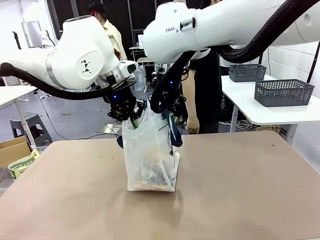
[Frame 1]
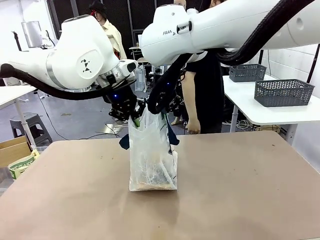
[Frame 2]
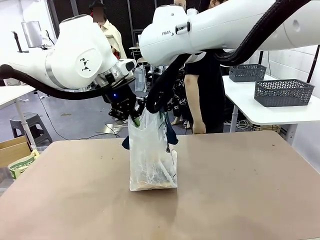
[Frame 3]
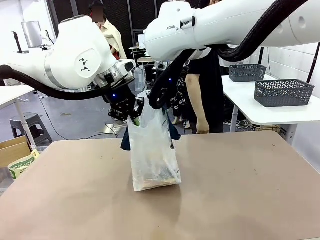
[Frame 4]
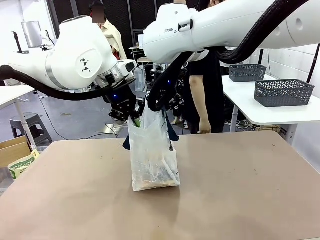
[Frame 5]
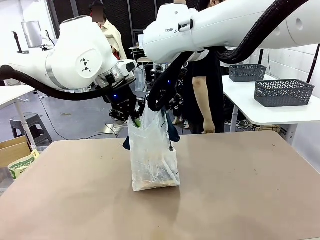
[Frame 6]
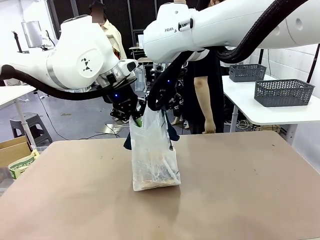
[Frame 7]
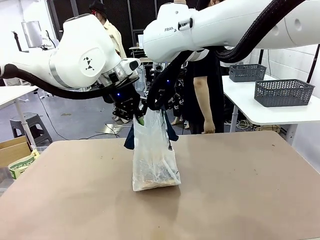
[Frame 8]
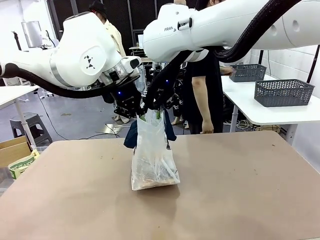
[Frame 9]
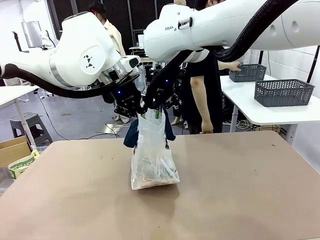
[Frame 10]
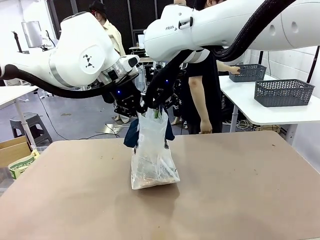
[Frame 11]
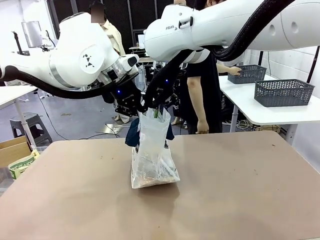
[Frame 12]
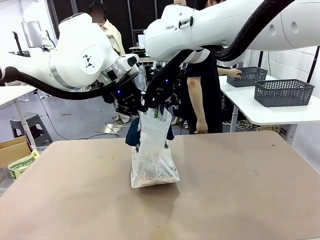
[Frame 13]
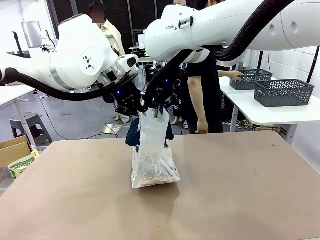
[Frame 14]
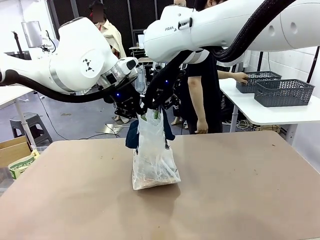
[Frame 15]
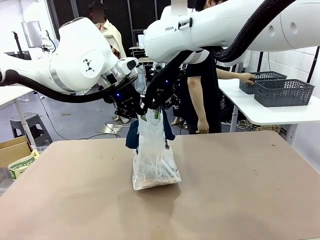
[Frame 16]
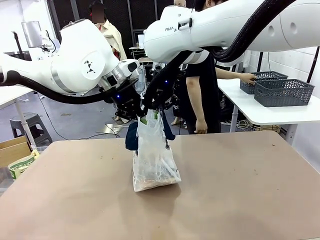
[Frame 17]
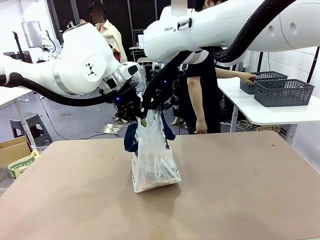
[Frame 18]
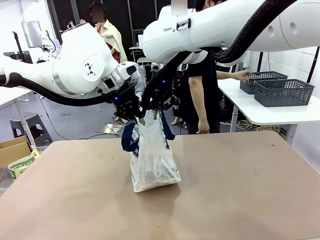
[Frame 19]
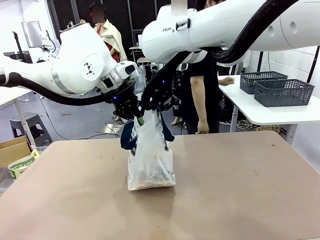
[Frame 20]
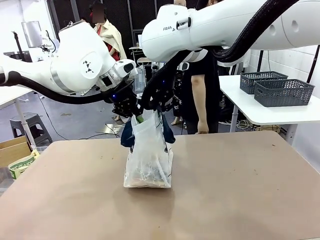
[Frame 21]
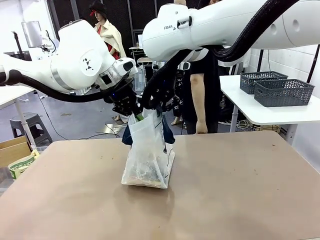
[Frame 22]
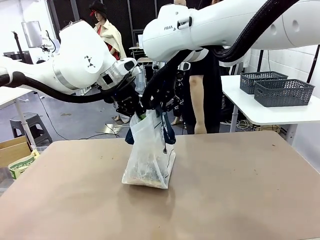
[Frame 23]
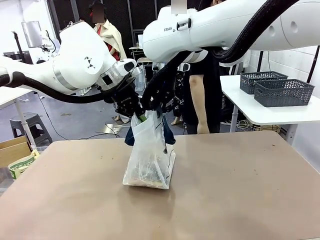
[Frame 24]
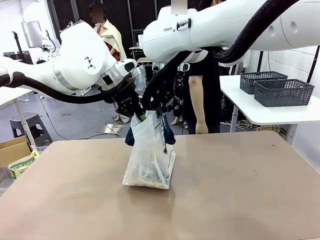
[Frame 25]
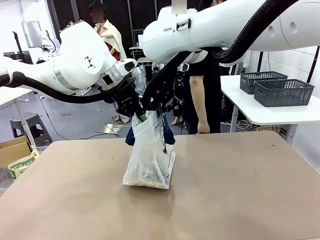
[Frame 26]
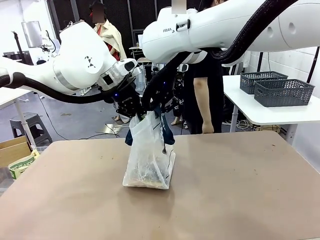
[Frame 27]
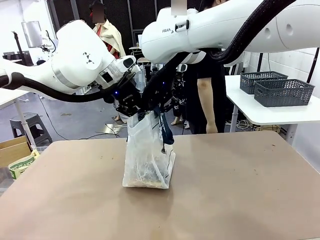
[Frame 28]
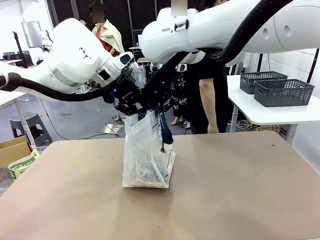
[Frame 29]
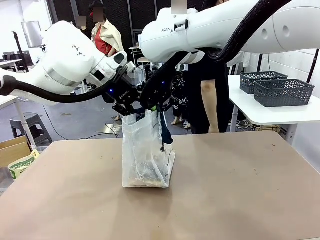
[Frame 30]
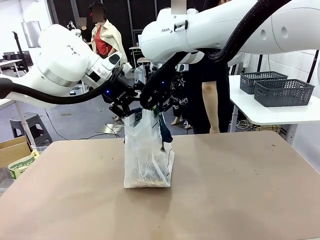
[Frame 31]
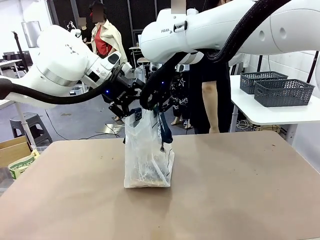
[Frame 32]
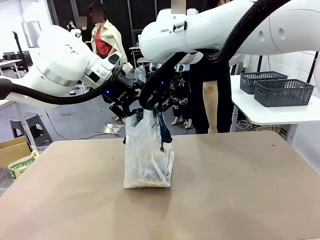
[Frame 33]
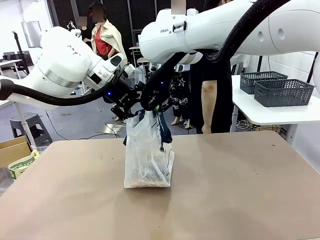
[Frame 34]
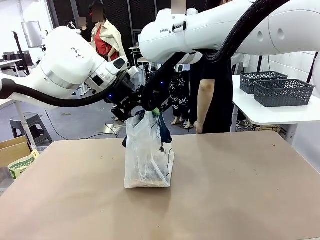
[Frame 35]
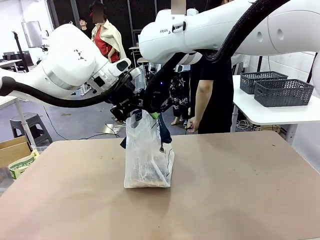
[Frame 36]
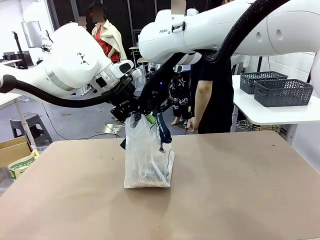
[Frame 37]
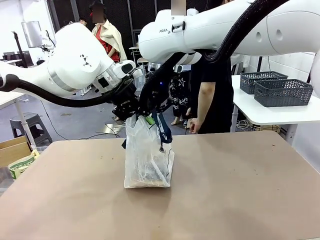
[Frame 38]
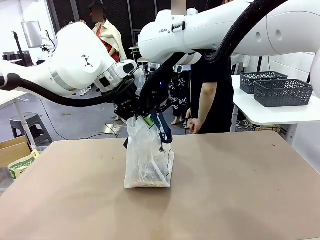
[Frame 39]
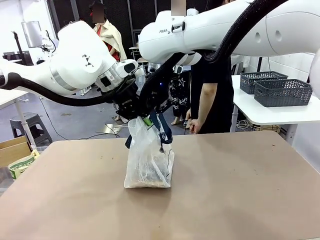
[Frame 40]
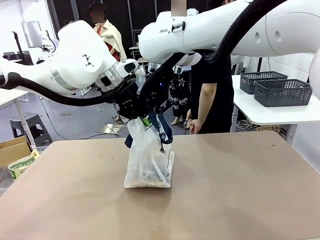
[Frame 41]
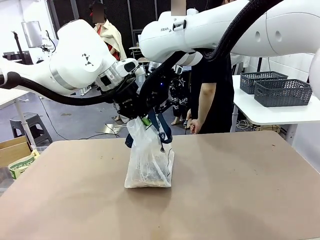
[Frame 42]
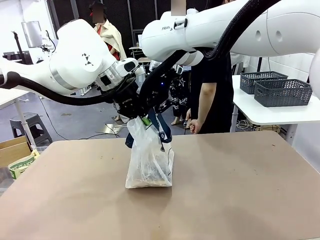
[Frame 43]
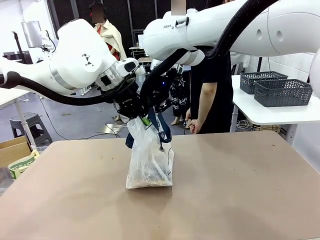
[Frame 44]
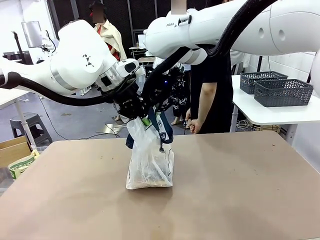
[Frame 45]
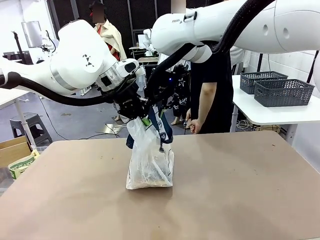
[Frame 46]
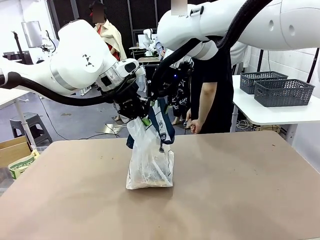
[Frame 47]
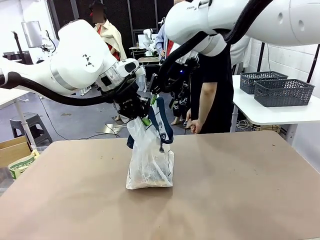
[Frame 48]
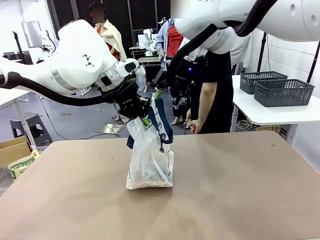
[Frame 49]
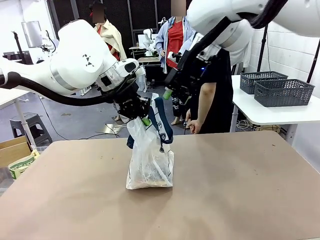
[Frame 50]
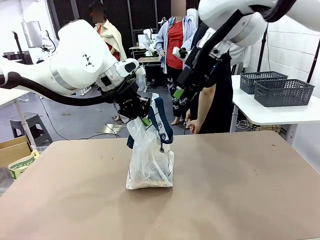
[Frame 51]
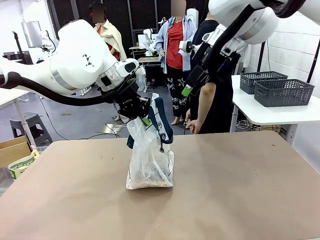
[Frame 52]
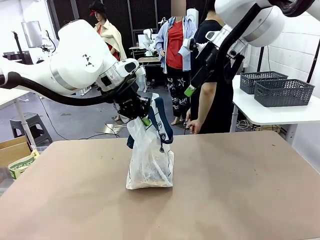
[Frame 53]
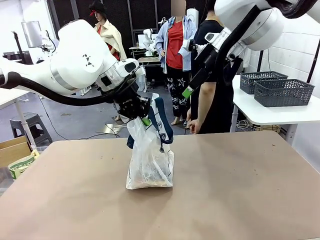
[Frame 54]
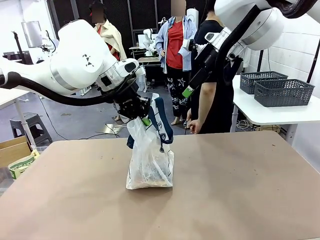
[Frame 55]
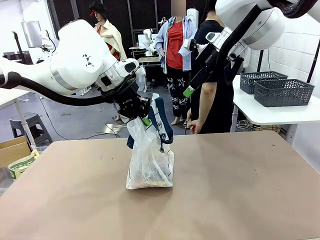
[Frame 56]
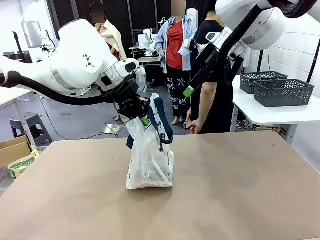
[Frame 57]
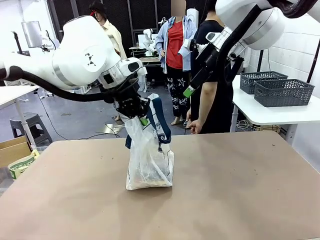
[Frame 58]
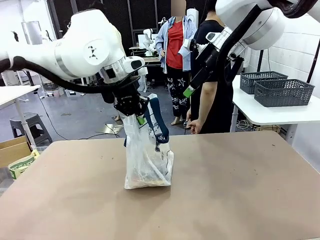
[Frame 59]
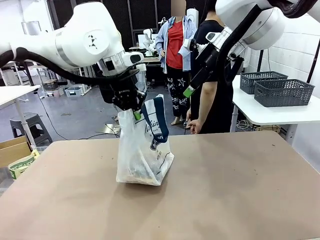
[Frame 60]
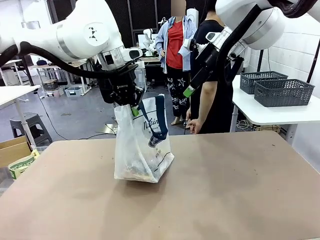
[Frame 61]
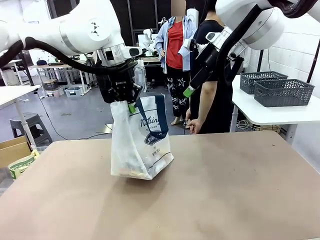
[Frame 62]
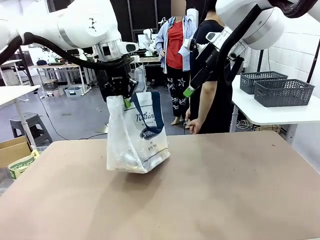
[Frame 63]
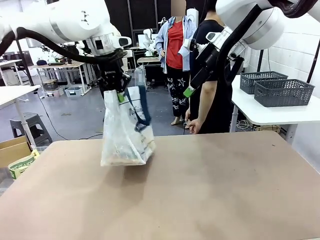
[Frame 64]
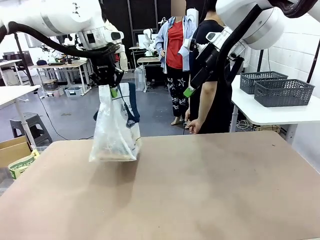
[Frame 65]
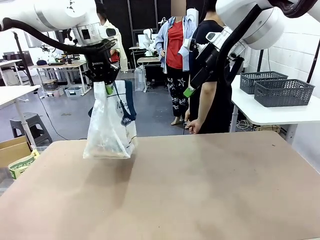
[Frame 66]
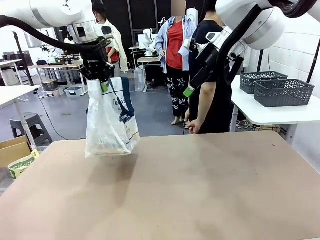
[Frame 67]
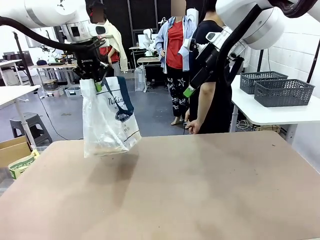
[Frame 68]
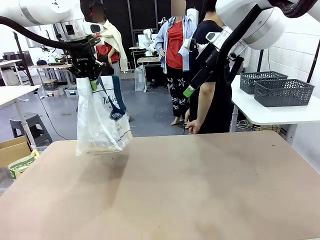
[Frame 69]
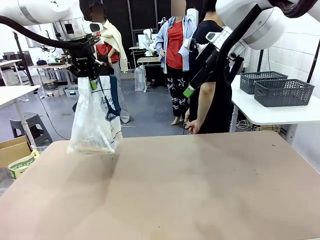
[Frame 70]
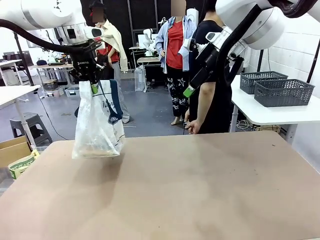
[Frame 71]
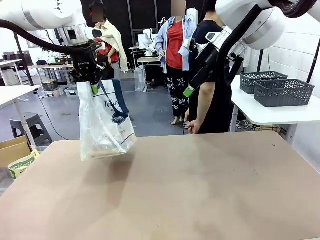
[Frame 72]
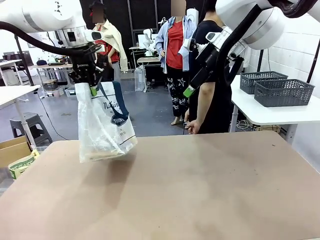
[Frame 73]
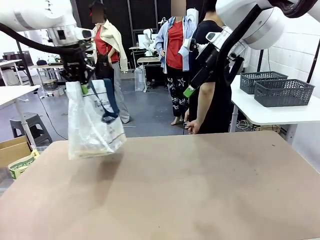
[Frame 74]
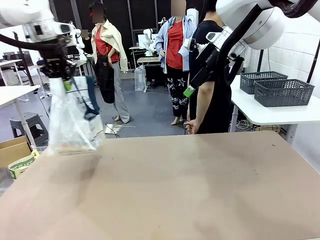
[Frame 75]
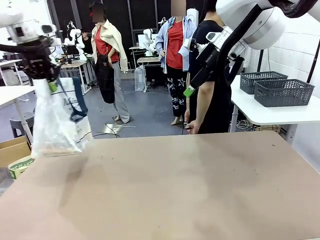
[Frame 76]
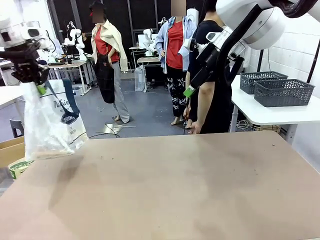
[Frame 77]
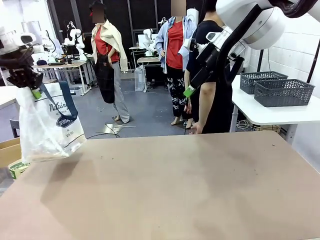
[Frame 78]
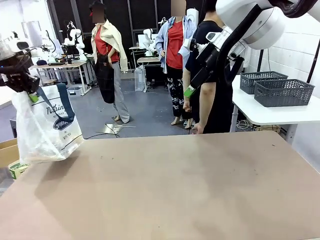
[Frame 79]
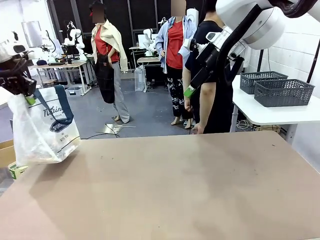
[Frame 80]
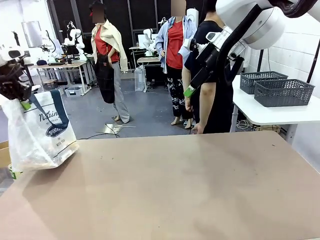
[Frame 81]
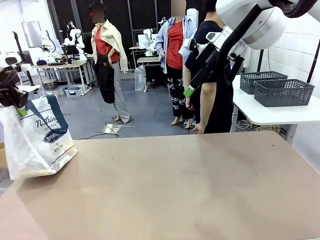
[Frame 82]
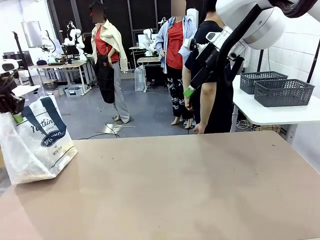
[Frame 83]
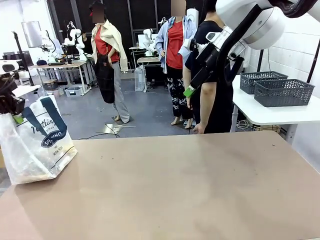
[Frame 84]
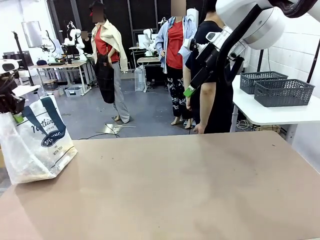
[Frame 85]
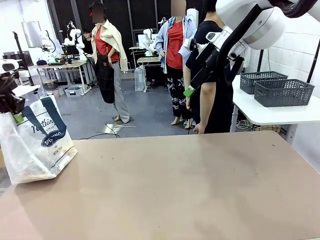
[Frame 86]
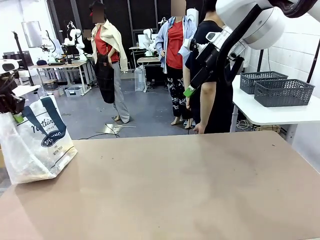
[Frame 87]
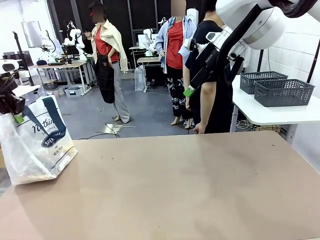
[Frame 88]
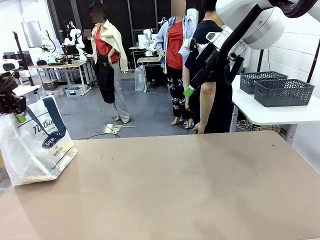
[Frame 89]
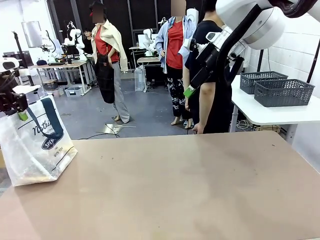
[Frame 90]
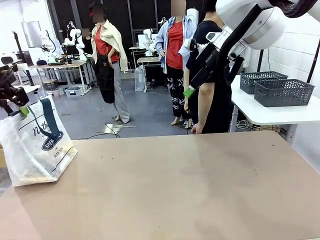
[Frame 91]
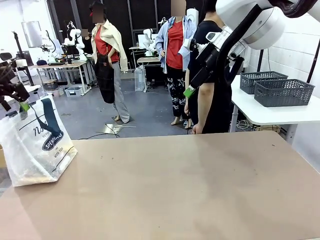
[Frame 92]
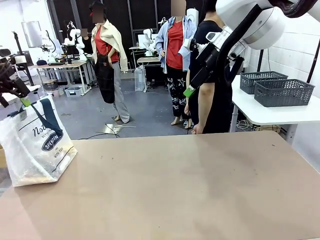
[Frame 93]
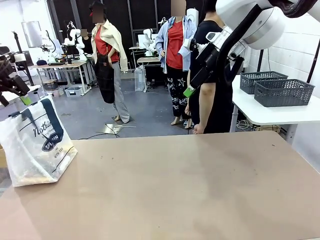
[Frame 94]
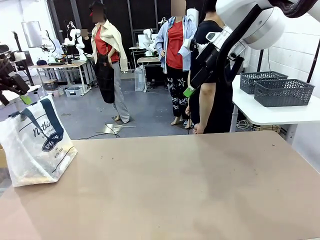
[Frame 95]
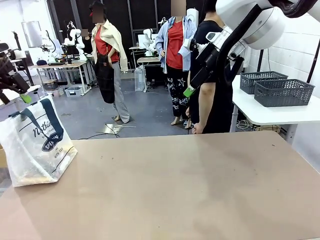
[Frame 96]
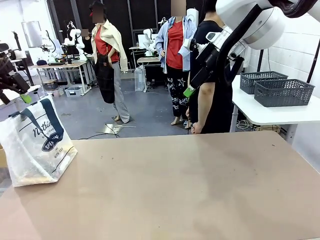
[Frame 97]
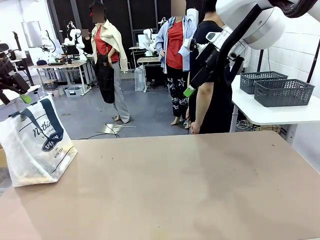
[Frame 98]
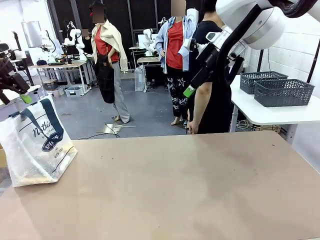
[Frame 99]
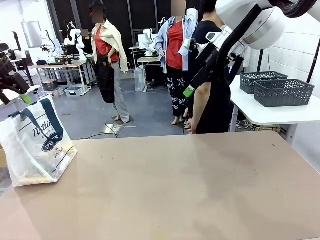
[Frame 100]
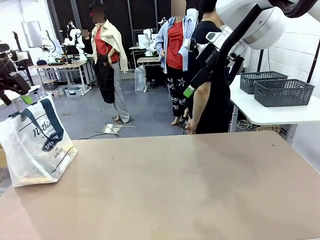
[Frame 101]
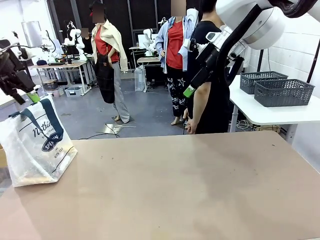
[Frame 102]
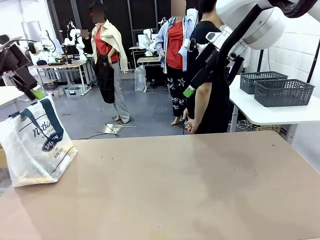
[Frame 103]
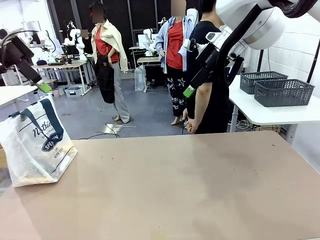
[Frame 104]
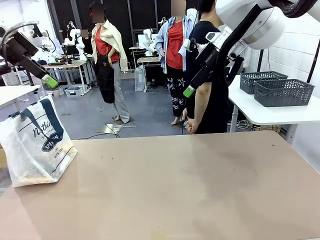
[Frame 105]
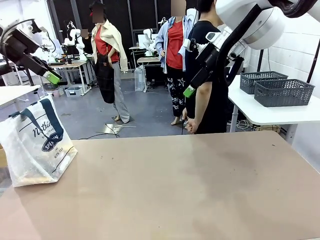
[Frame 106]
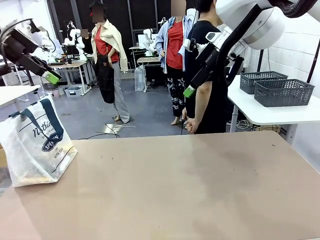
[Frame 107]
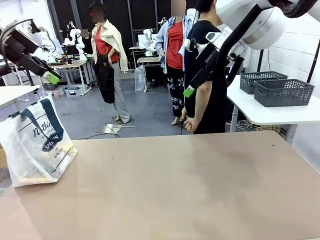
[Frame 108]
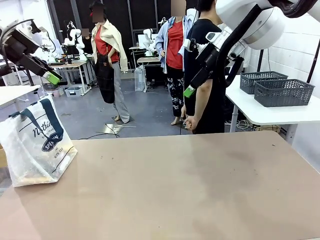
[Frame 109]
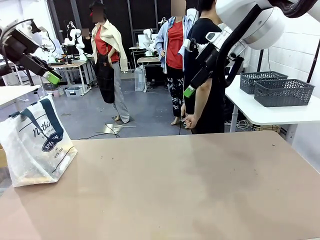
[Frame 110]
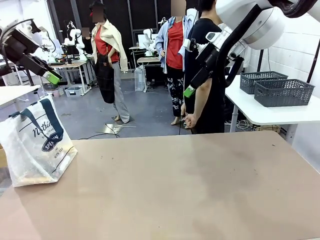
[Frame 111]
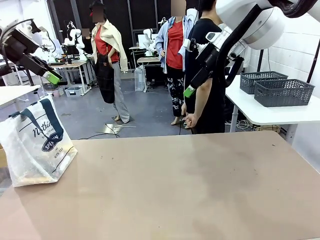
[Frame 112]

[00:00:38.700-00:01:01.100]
Task: Transfer purchased items from the store into the shopping bag.
Robot: Move the Reusable shopping bag to the right side of the table.
Person: Move the basket on the left to the middle of the person's table.
